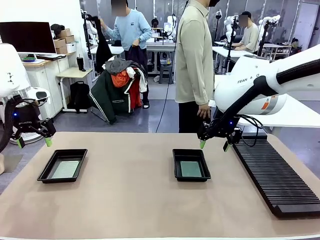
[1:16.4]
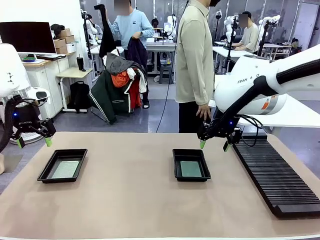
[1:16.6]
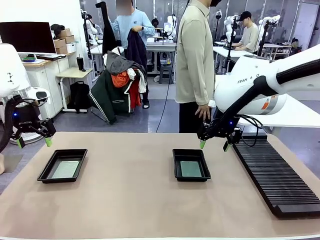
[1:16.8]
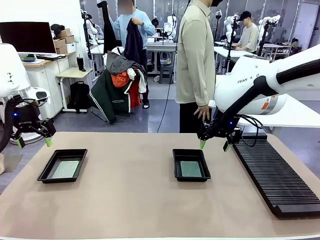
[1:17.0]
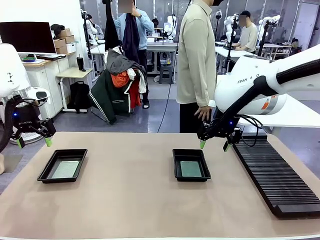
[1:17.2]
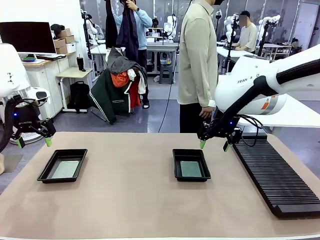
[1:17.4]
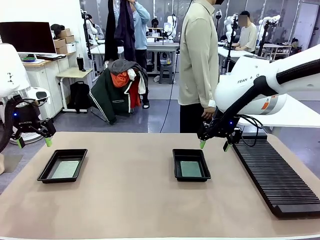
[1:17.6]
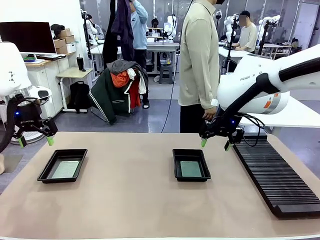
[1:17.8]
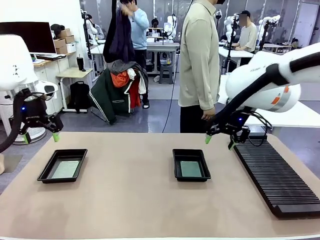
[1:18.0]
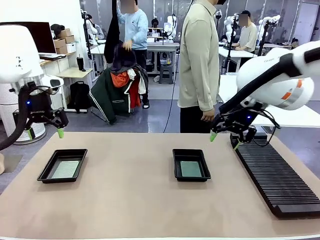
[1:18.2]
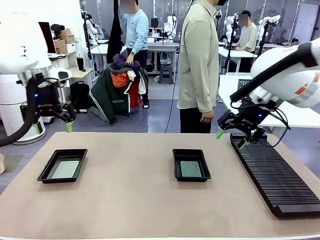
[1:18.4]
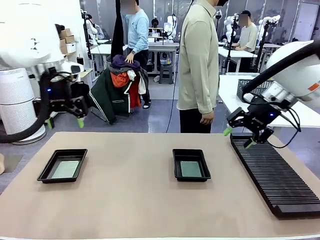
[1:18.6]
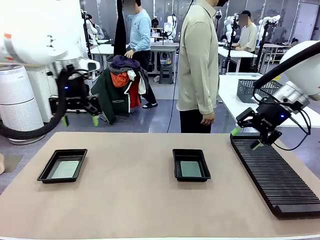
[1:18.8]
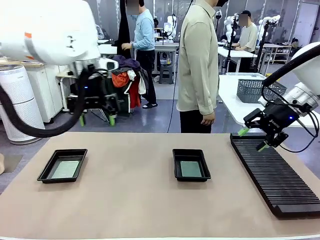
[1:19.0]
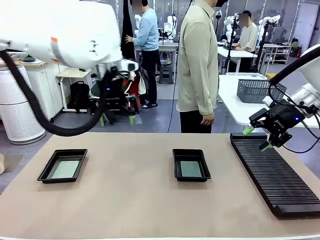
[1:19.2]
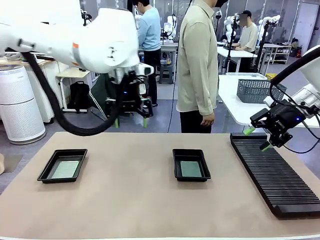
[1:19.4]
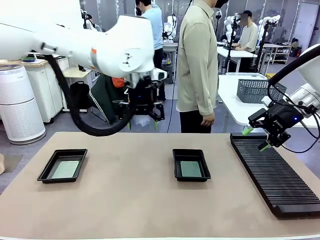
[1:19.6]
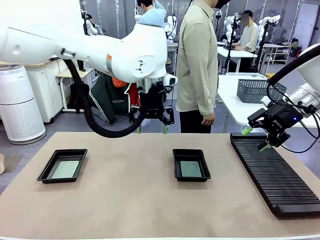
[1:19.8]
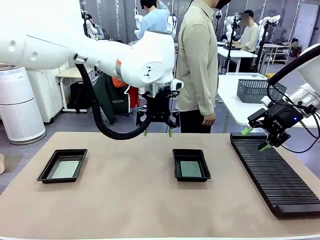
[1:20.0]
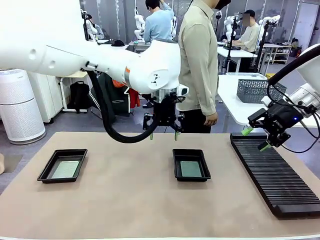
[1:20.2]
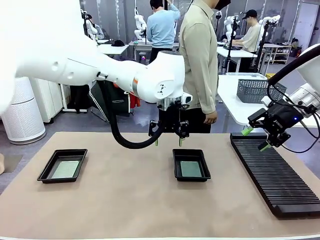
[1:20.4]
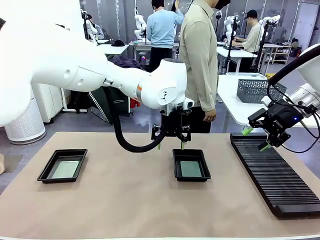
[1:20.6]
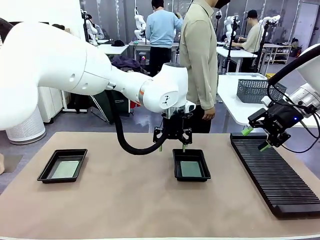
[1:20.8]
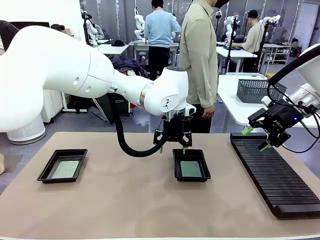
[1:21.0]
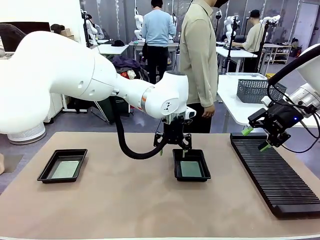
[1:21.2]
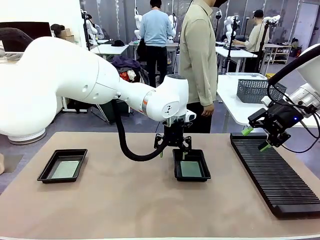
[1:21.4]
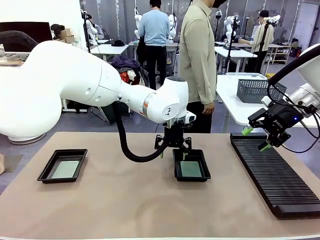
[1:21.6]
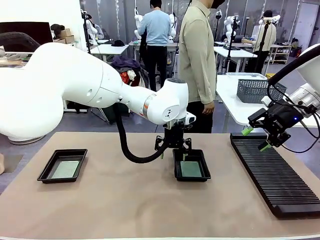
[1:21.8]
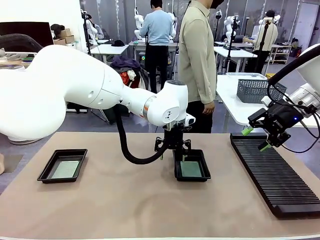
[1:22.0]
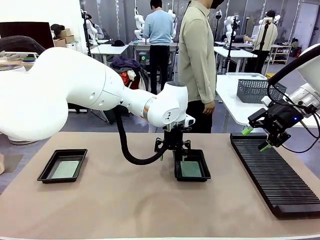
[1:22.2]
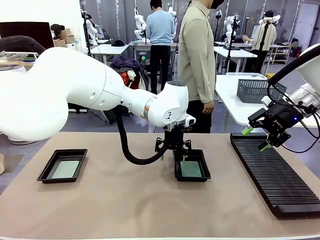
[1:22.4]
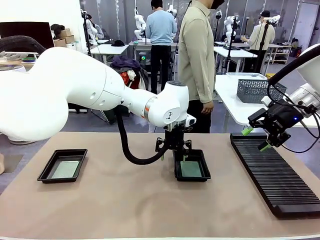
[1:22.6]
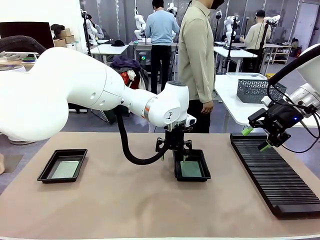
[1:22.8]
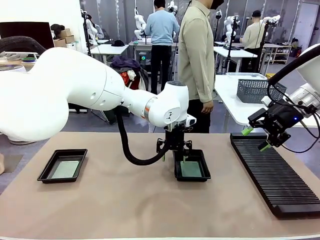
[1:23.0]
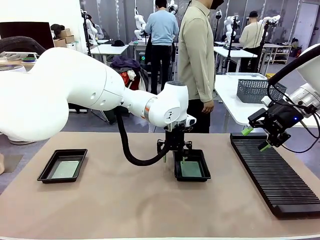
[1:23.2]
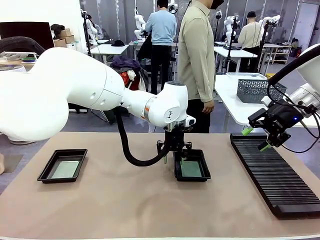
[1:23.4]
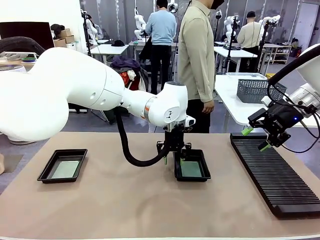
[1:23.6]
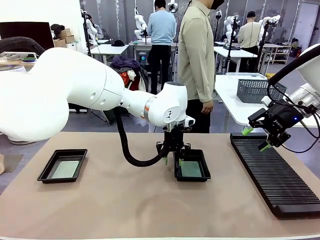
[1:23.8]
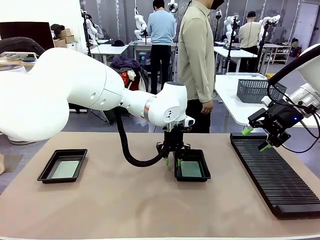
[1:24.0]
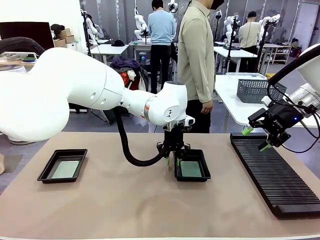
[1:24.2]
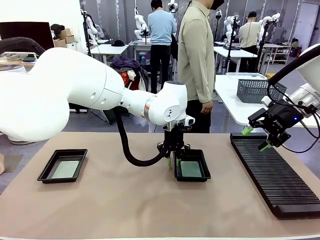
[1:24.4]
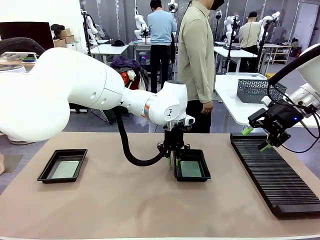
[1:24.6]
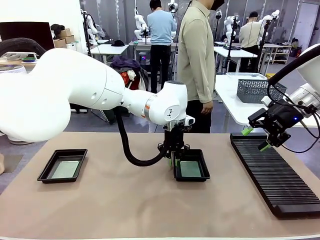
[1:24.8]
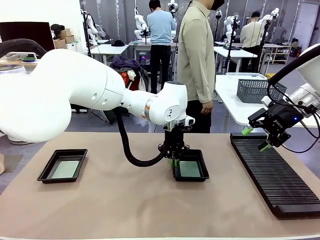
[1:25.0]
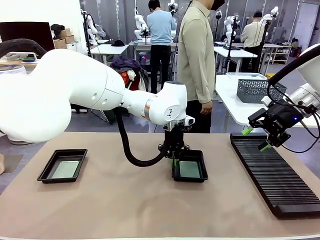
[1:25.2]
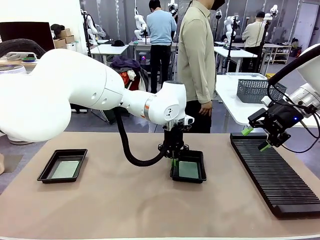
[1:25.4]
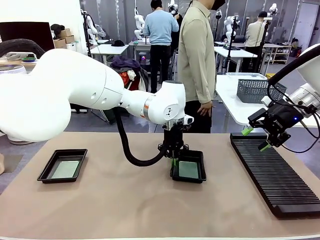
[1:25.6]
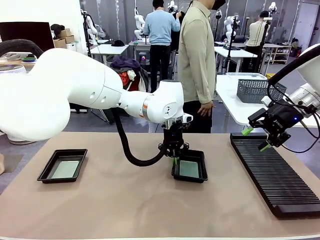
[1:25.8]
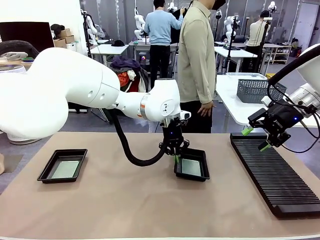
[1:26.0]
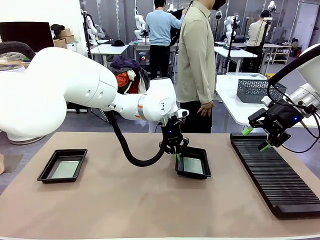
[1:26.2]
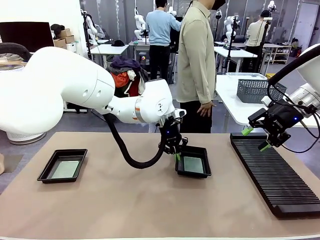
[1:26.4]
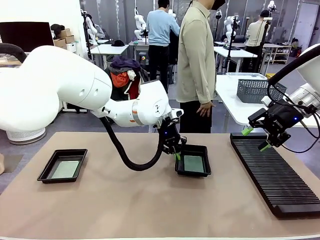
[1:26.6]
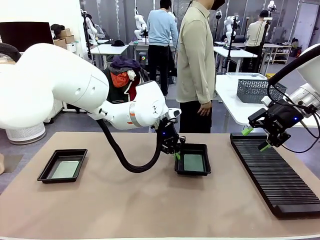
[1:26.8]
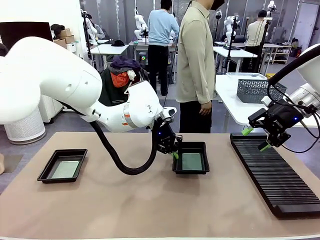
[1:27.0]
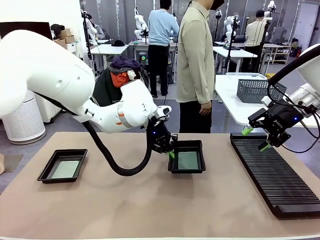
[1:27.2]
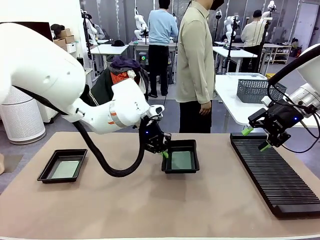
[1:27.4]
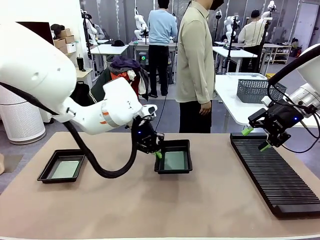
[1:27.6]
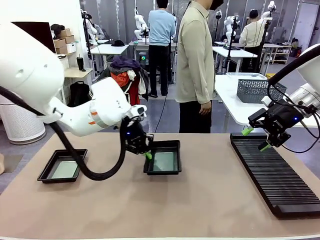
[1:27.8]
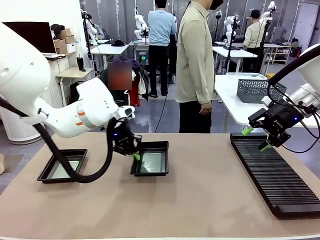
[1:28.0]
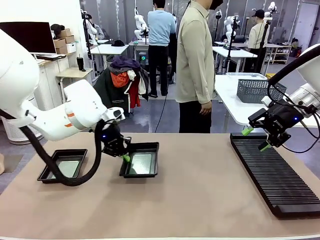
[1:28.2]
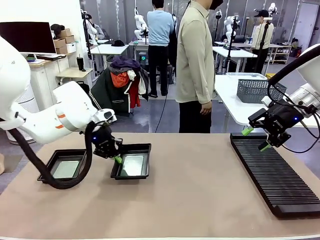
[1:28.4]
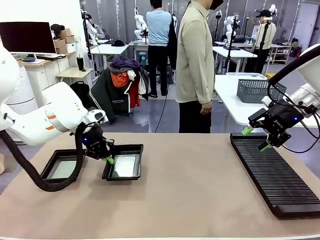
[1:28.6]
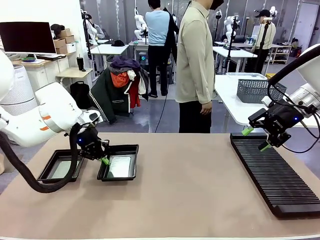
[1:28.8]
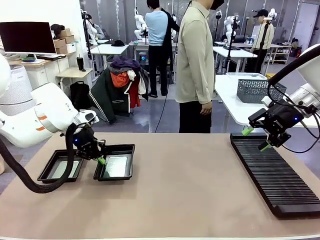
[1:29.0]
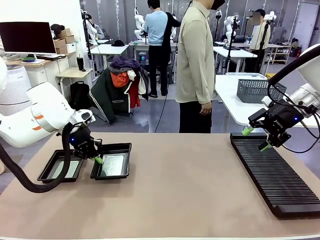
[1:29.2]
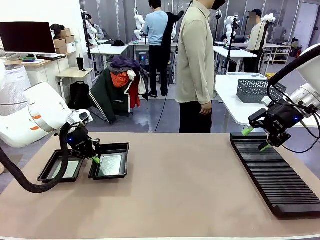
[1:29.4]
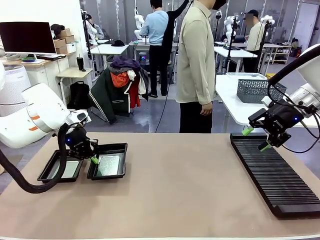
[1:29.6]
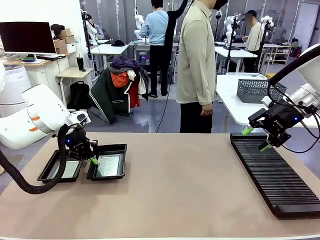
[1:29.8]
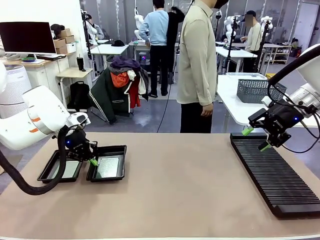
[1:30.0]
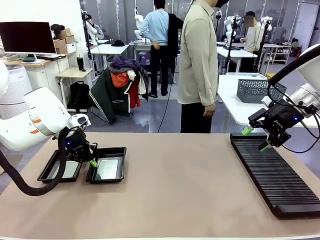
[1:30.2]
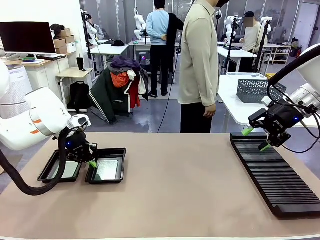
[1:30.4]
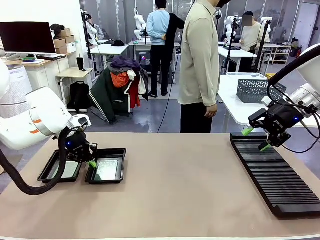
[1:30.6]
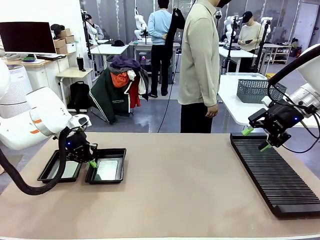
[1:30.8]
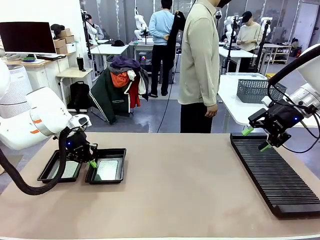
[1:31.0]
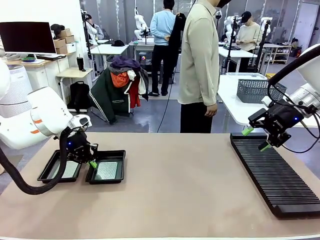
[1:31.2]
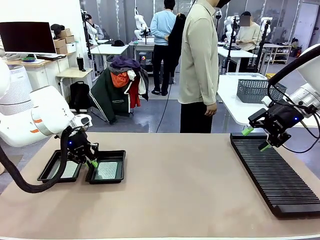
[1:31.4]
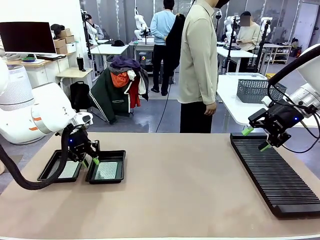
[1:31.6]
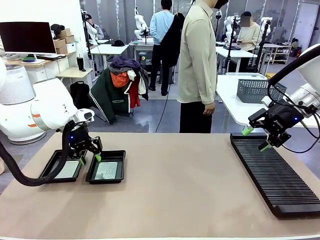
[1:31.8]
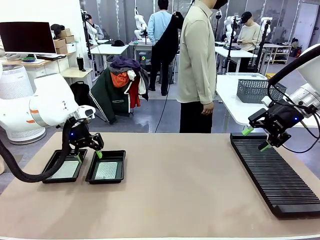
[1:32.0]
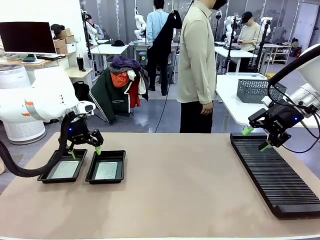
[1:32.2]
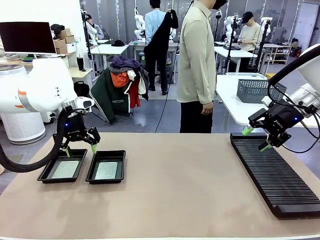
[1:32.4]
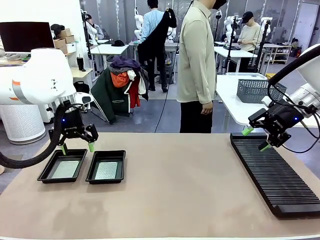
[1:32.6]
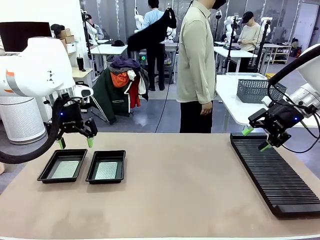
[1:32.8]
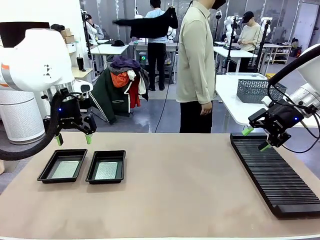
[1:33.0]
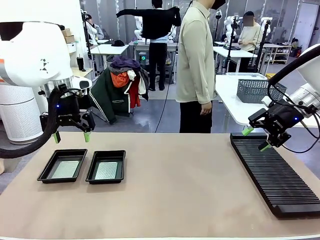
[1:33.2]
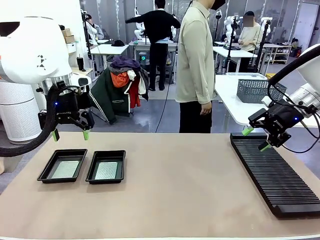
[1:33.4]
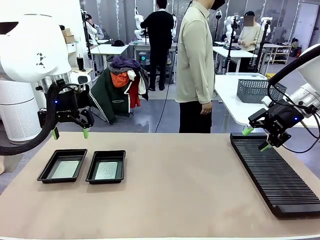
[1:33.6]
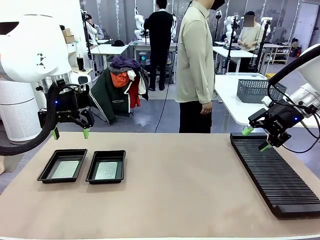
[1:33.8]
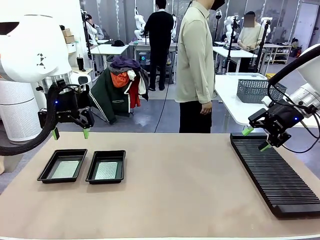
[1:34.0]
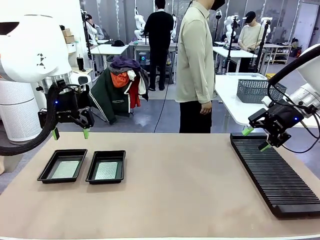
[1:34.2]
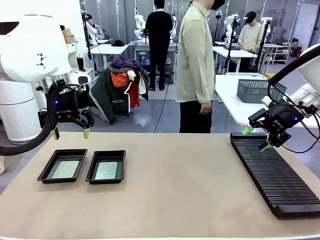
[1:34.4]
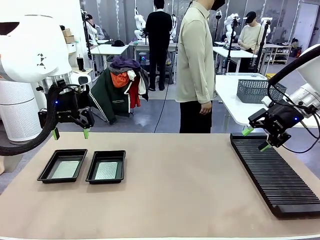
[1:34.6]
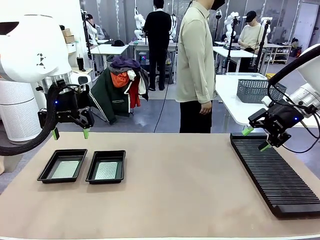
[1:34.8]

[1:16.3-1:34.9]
Task: Inspect and transfer BCBs to ESD trays.
Robot: Pick up the ESD tray and place it on the left side of the table.
